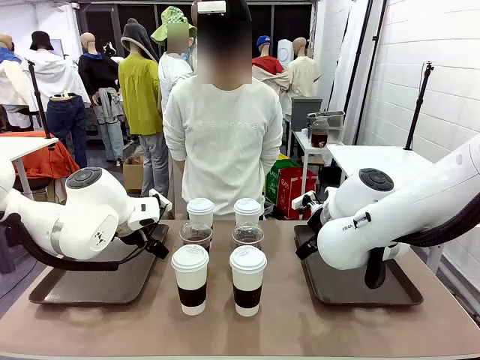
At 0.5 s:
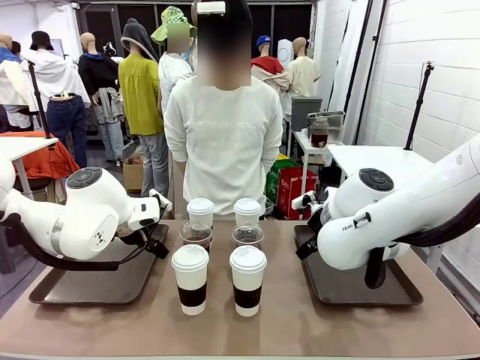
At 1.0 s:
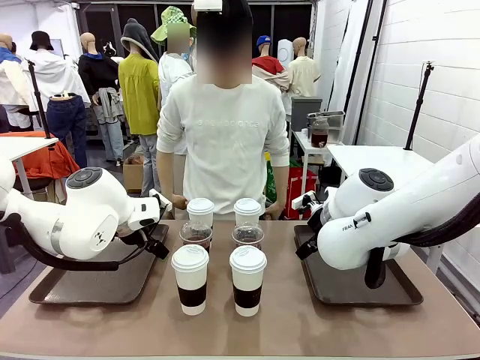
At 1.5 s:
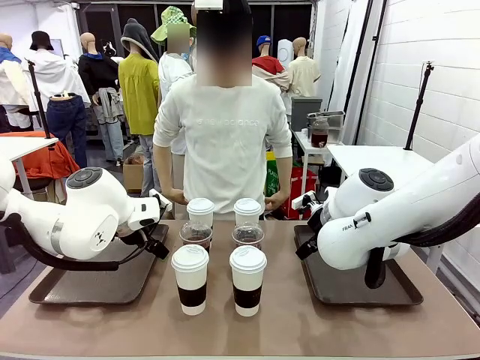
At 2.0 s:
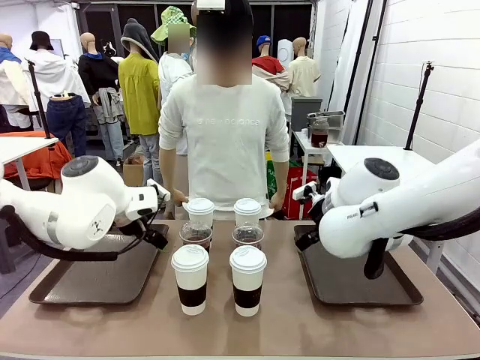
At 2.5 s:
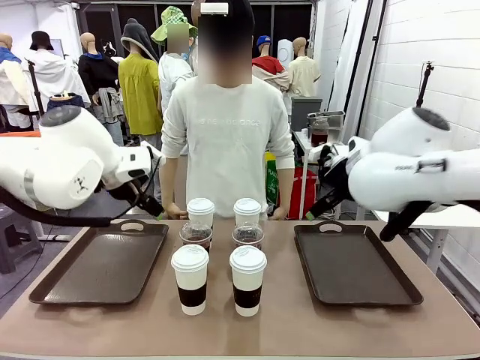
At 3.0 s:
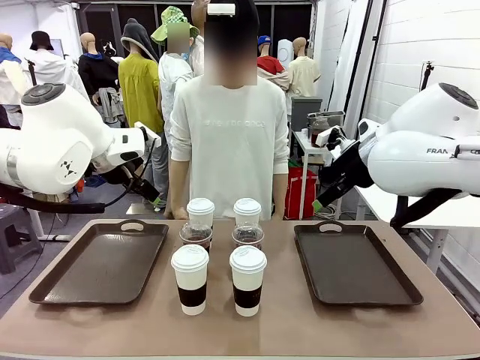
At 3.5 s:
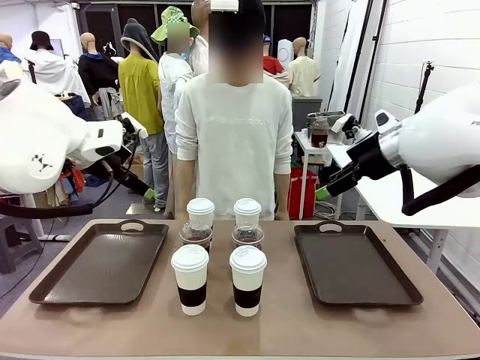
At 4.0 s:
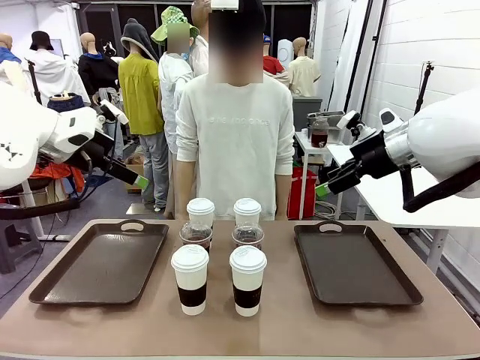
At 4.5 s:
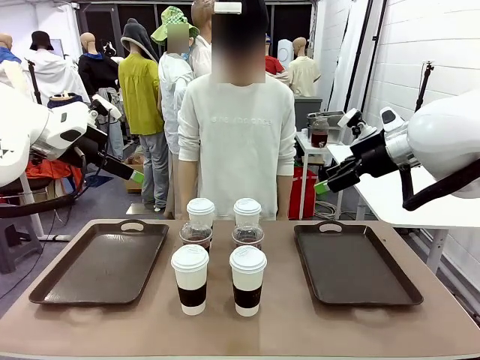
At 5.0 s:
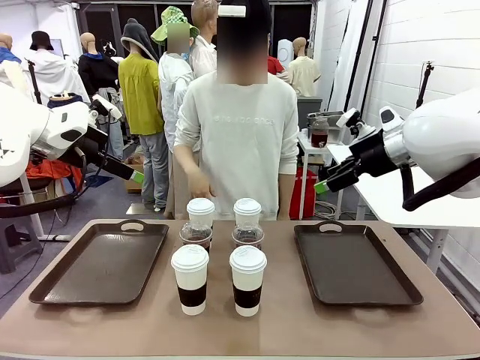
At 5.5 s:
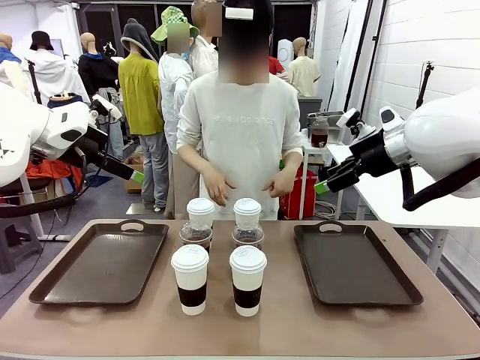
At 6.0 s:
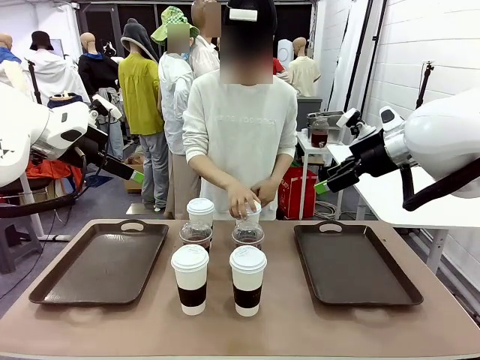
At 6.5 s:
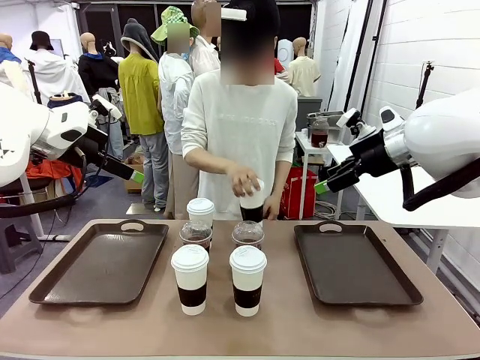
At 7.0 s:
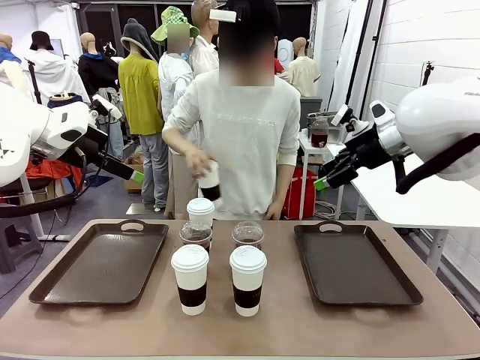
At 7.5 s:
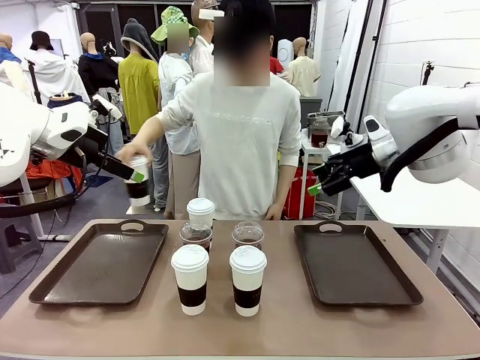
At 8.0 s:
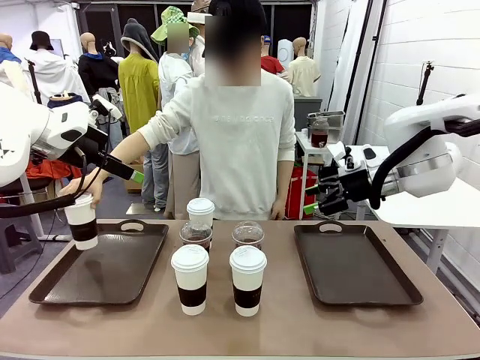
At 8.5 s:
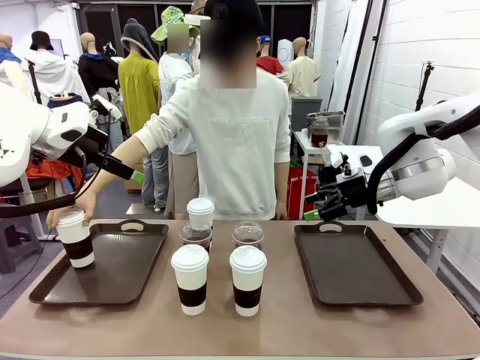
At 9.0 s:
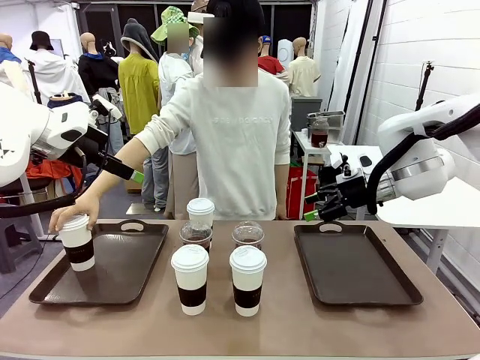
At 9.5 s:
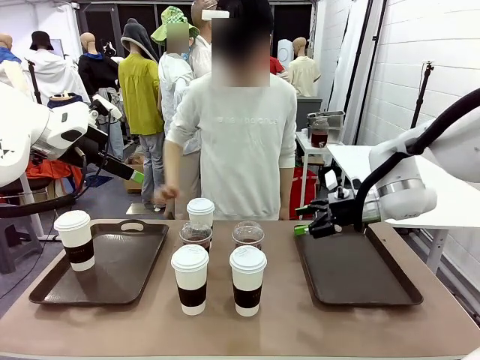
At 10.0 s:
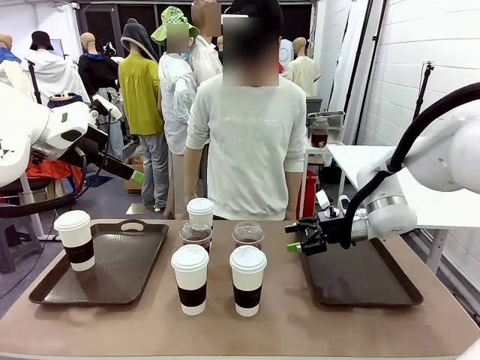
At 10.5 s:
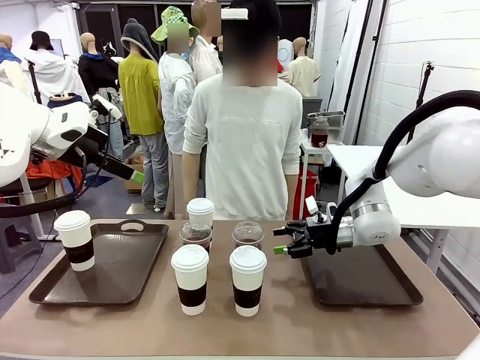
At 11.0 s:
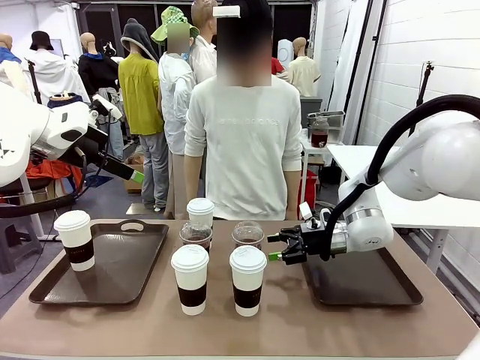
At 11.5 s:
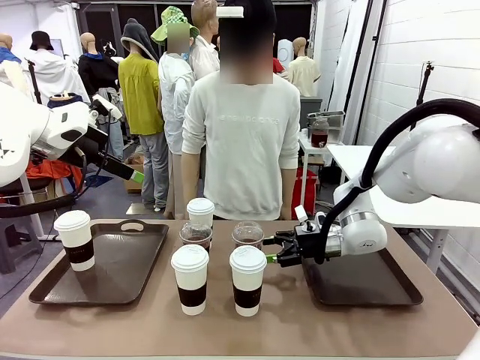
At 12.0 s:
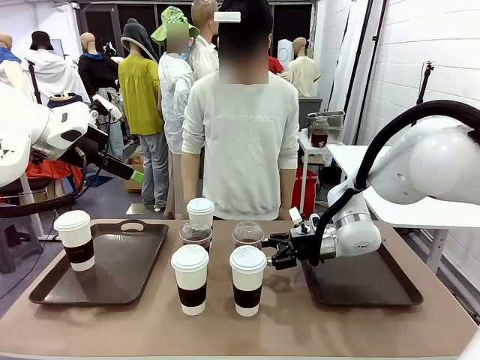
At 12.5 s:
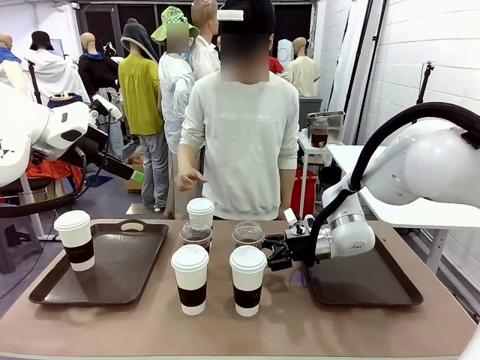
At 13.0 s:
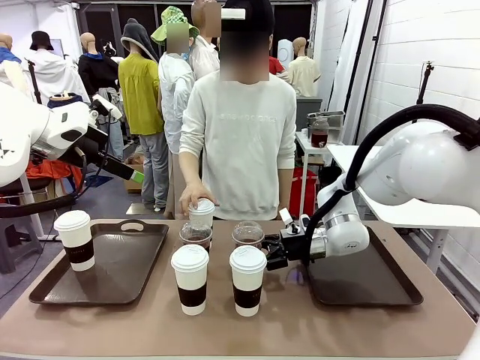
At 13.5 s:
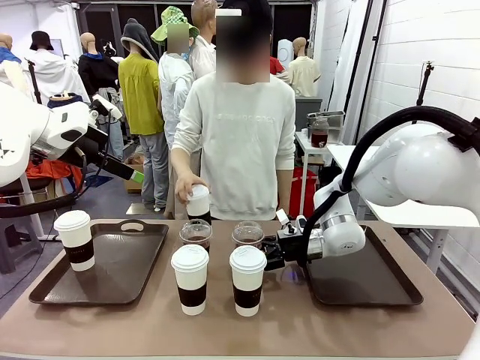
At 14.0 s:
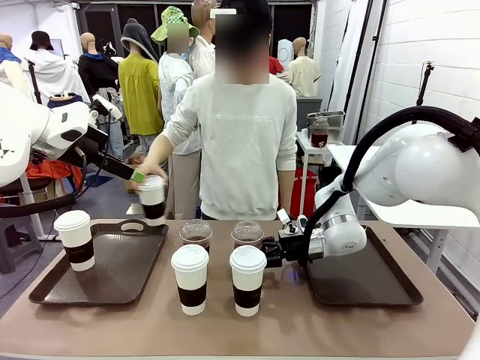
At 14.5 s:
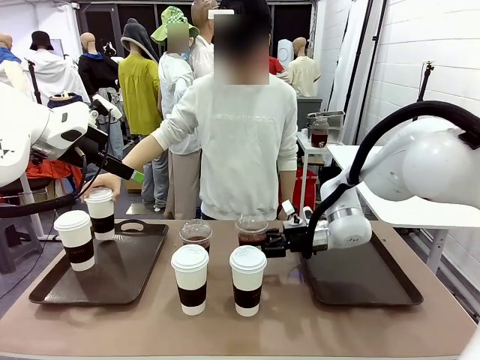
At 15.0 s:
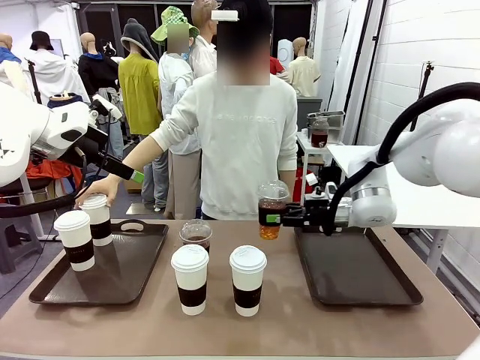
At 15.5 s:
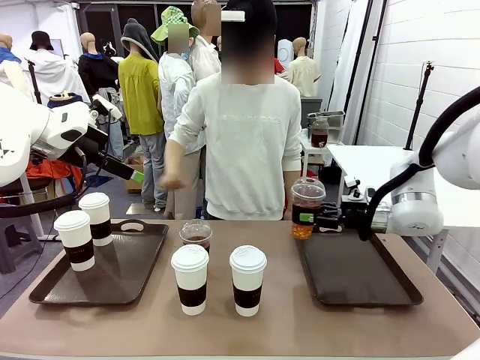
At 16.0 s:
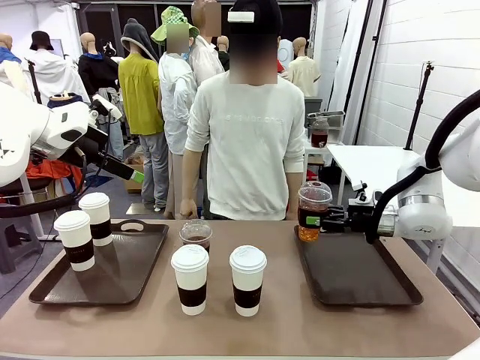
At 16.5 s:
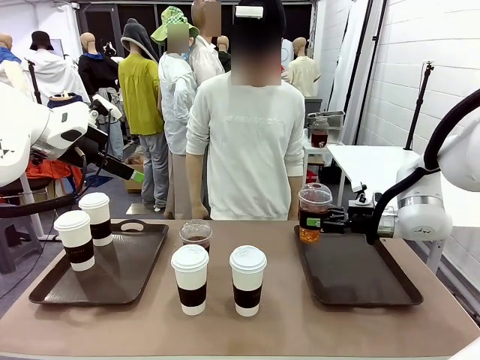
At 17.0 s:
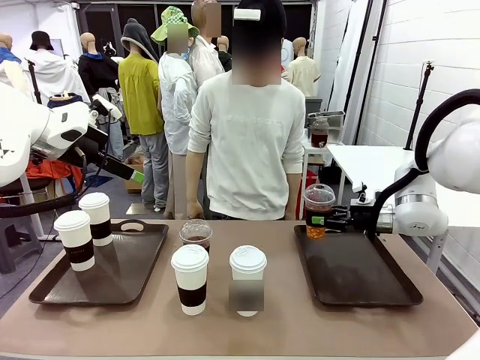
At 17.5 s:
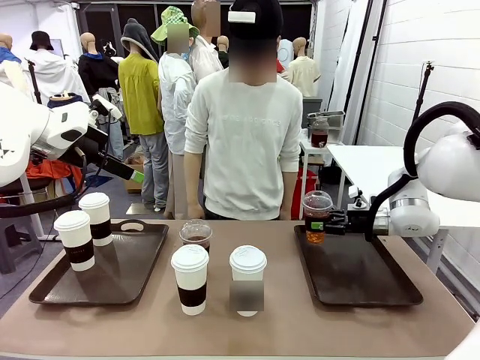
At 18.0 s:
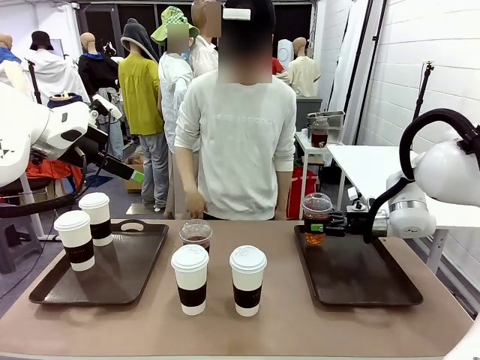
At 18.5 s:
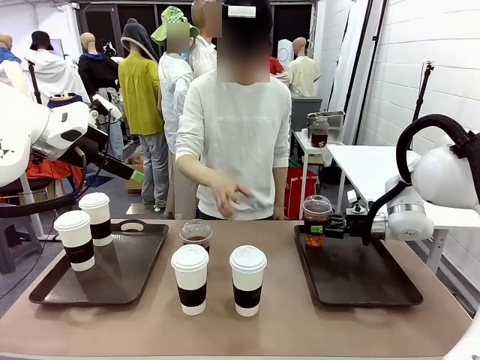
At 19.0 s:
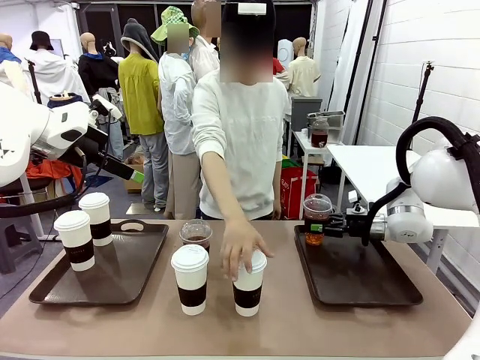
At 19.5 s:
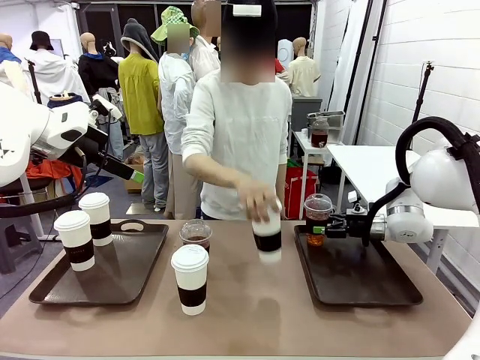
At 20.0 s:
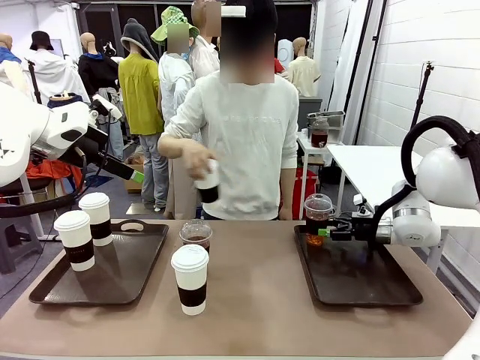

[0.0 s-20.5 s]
Task: Distribute the coffee onto the tray.
Robot: Pick up one iced Americano and place it on the right Handle tray.
Person: Pick up a cup of hot Americano and place it on the right tray.

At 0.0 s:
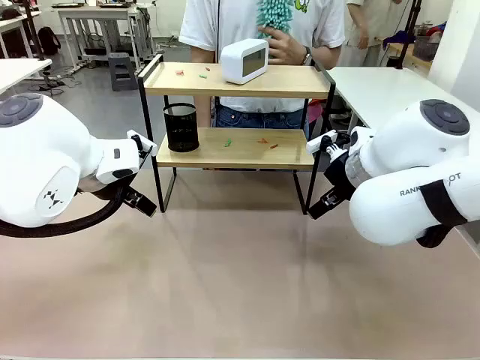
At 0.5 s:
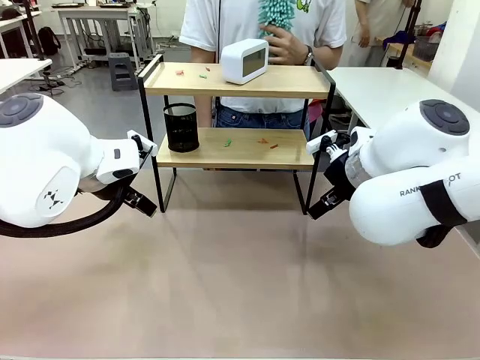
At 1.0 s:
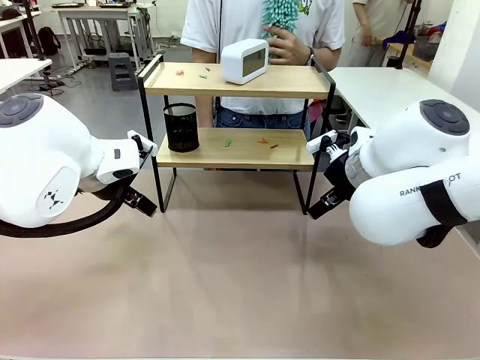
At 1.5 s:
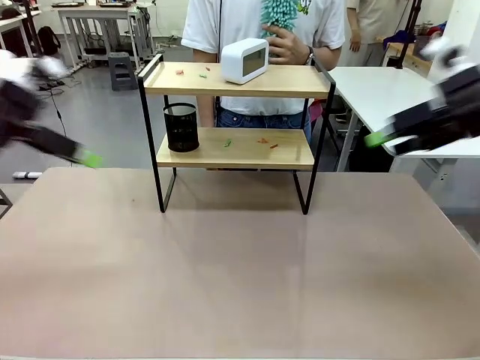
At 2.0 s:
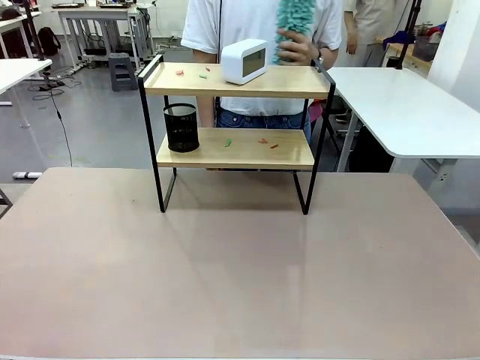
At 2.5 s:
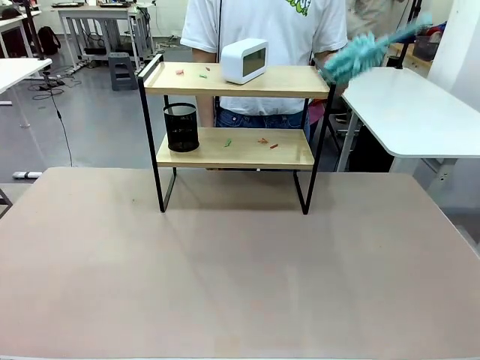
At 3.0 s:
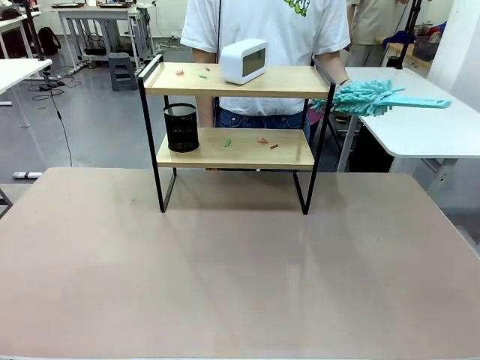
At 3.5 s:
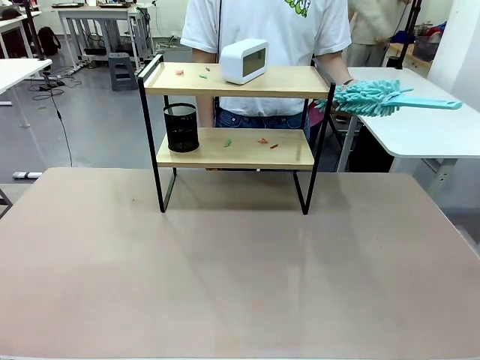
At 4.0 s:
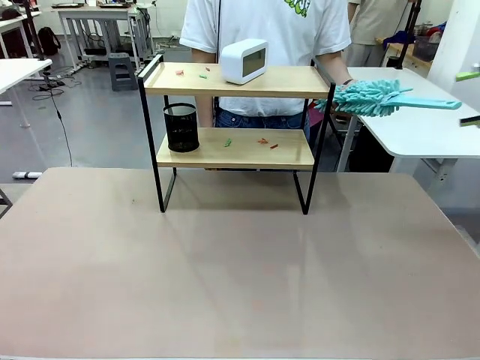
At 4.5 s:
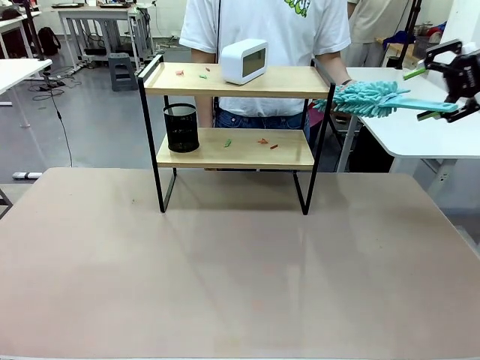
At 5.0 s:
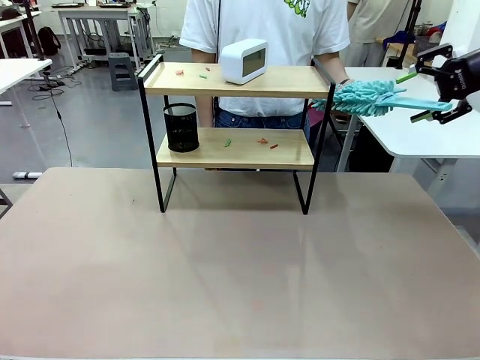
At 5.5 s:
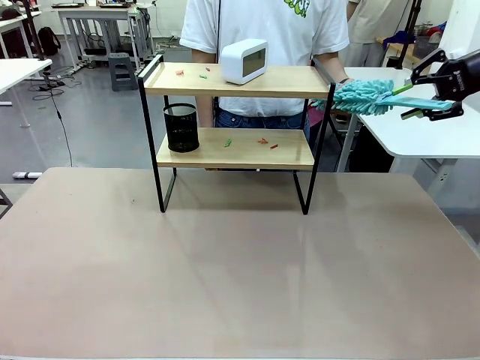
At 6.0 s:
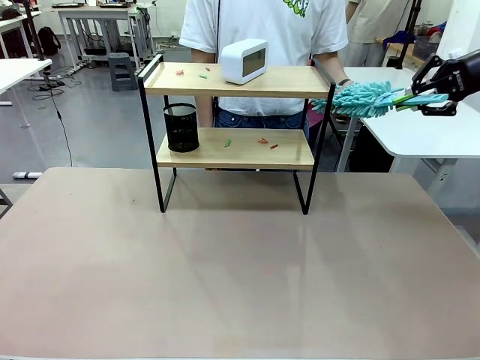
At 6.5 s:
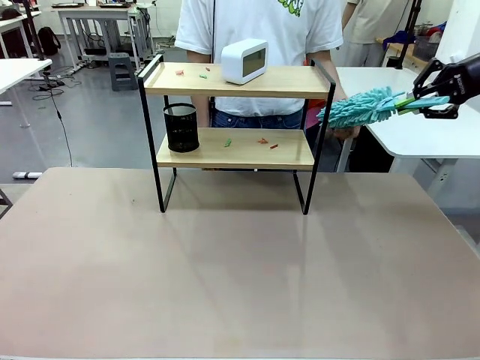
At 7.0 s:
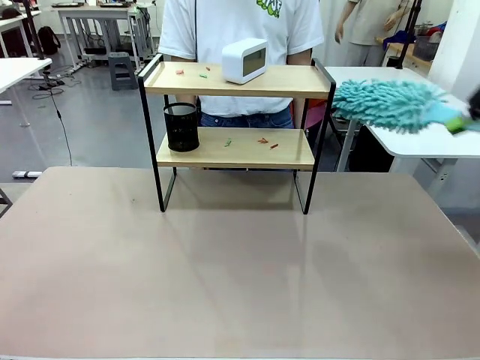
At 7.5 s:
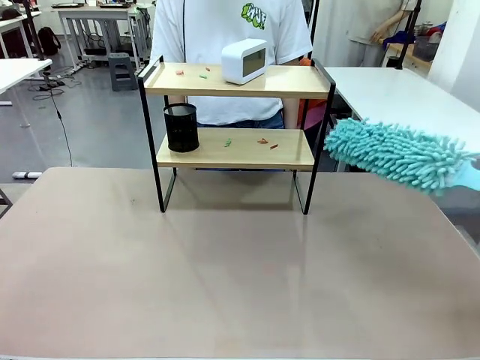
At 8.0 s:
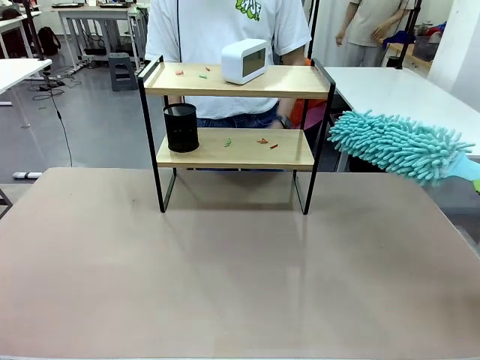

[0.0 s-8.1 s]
Task: Clean the shelf.
Robot: Pick up the Duster from the human.
Person: Hand the Duster to the robot.
